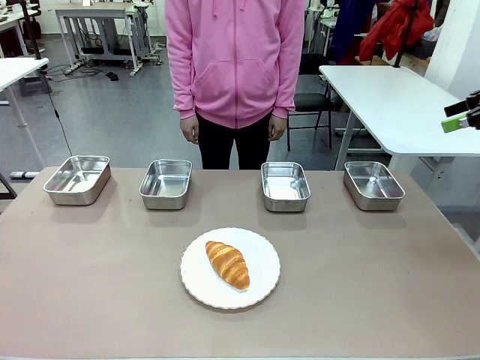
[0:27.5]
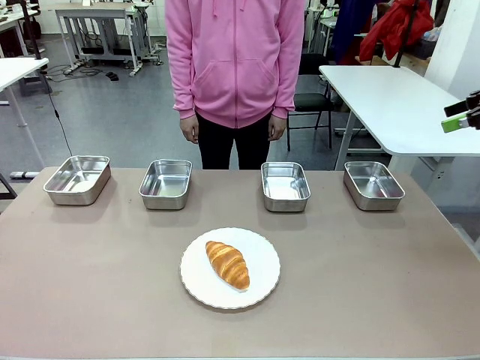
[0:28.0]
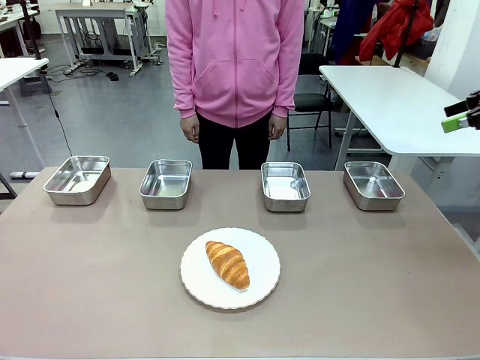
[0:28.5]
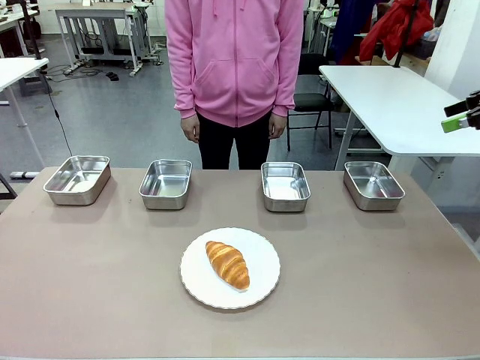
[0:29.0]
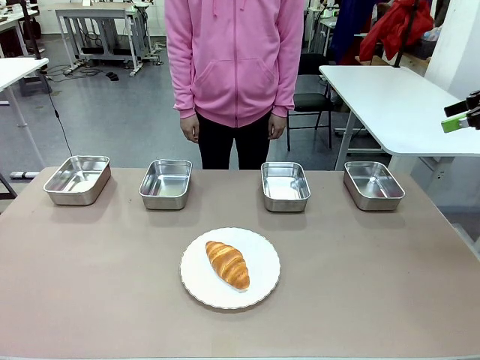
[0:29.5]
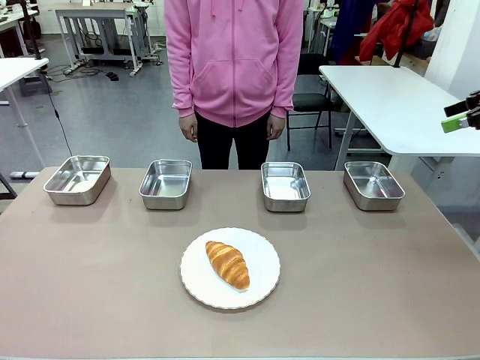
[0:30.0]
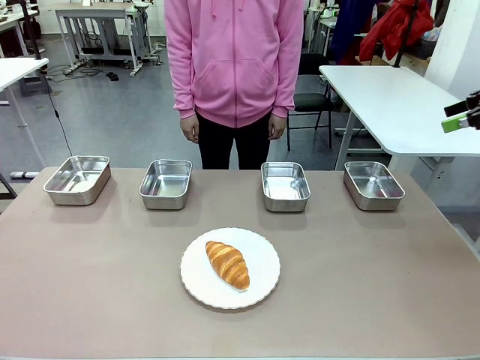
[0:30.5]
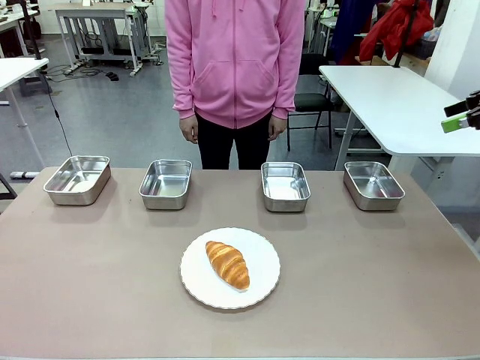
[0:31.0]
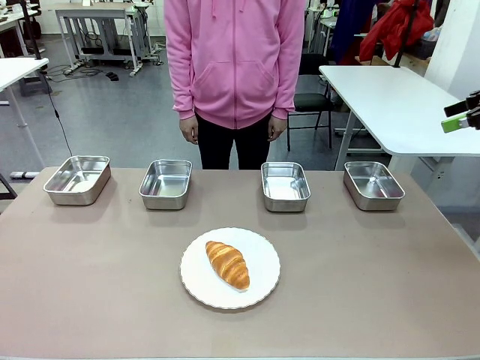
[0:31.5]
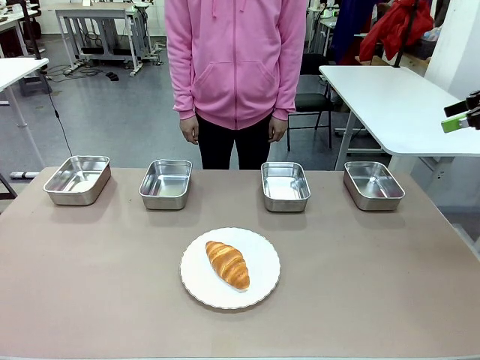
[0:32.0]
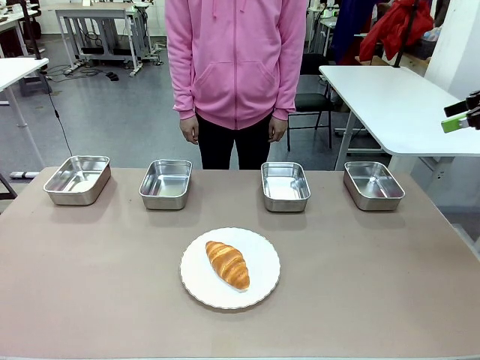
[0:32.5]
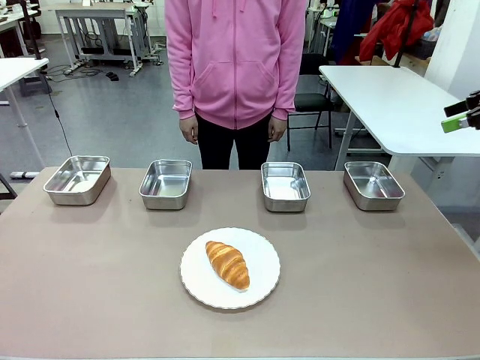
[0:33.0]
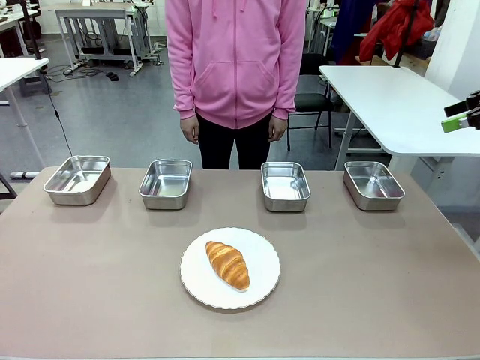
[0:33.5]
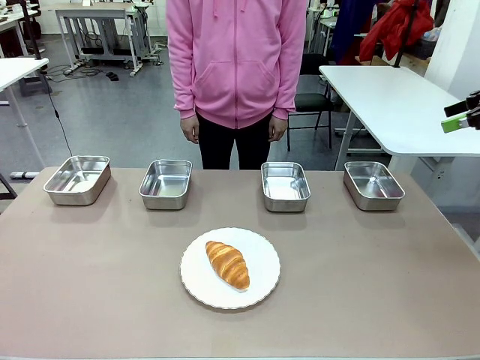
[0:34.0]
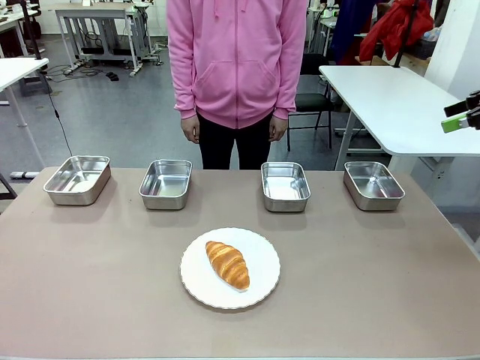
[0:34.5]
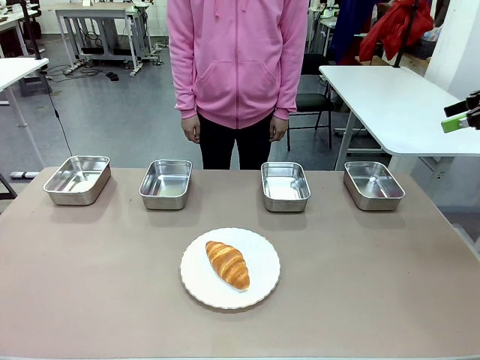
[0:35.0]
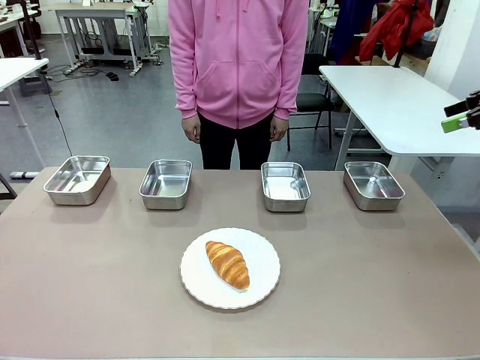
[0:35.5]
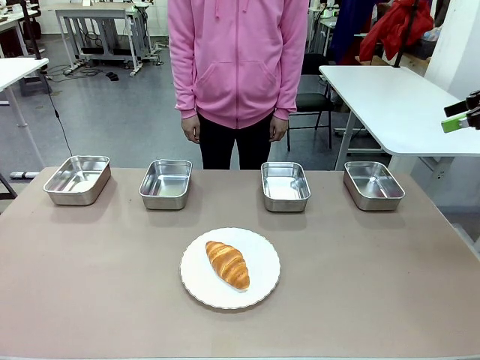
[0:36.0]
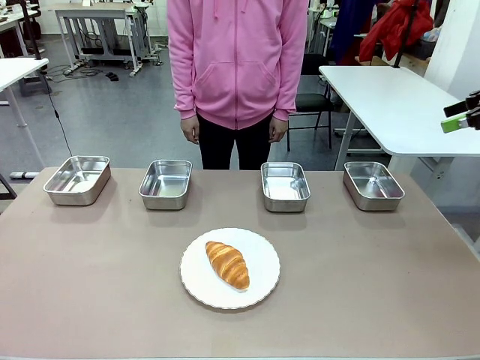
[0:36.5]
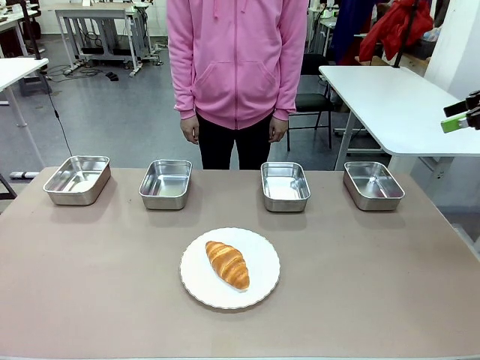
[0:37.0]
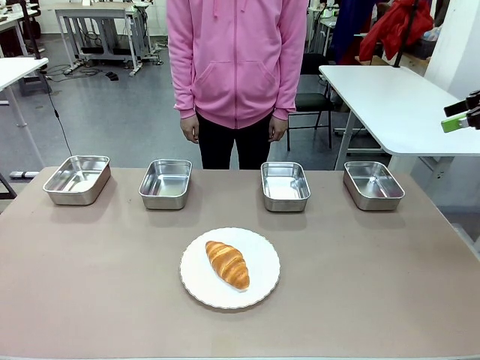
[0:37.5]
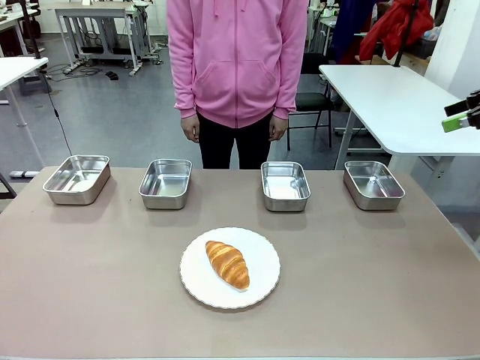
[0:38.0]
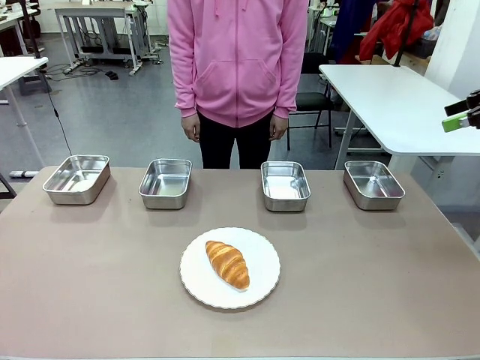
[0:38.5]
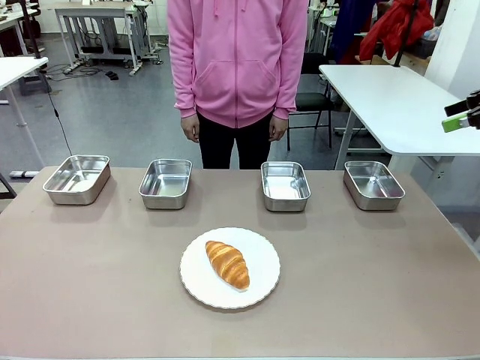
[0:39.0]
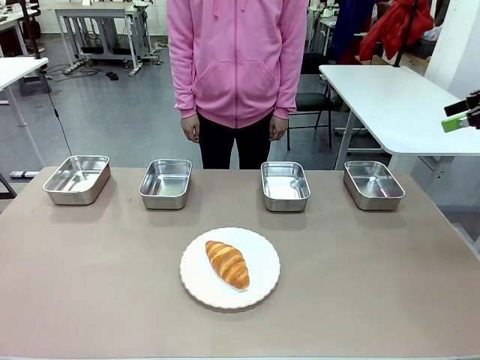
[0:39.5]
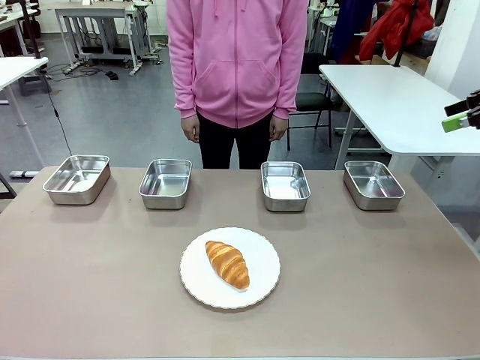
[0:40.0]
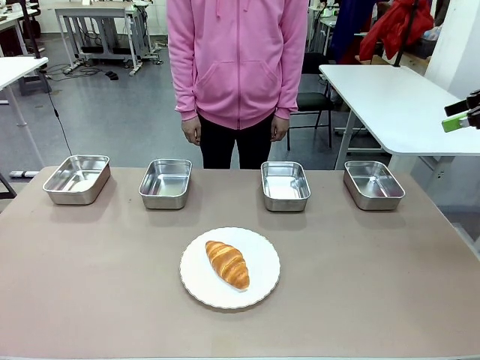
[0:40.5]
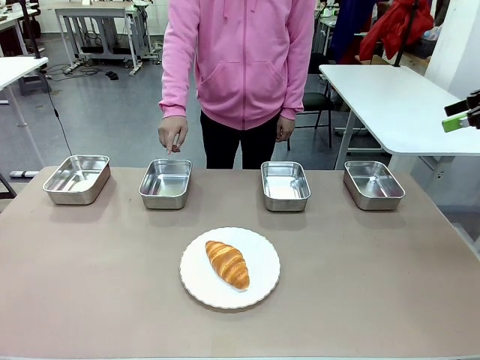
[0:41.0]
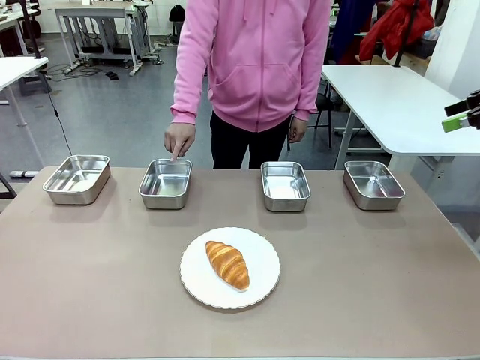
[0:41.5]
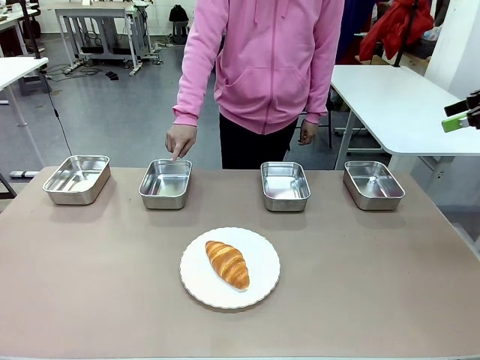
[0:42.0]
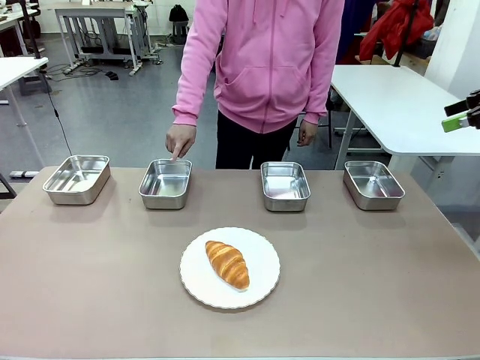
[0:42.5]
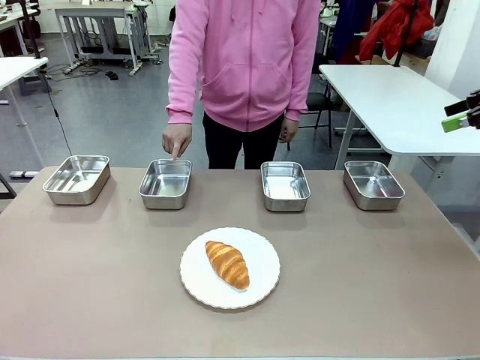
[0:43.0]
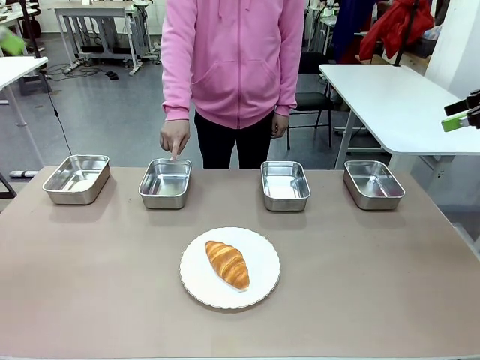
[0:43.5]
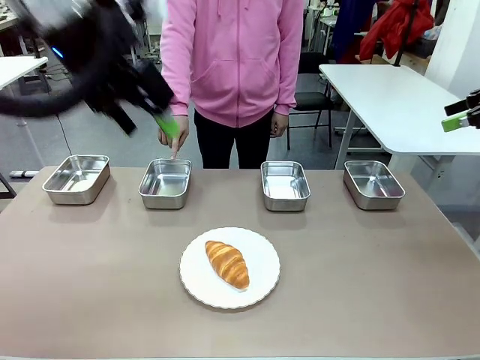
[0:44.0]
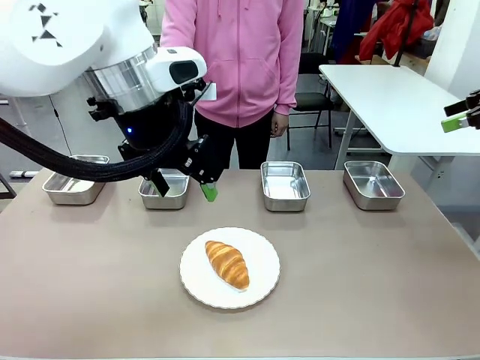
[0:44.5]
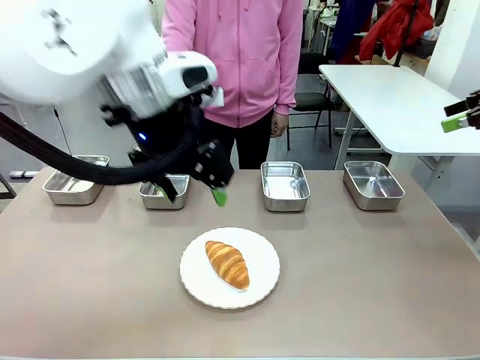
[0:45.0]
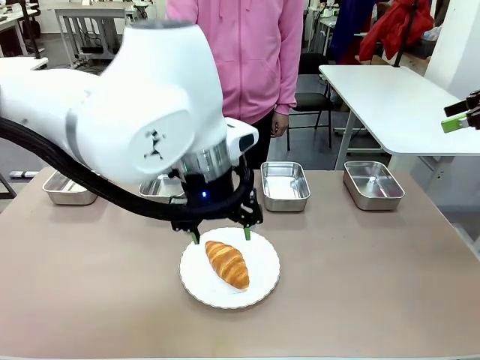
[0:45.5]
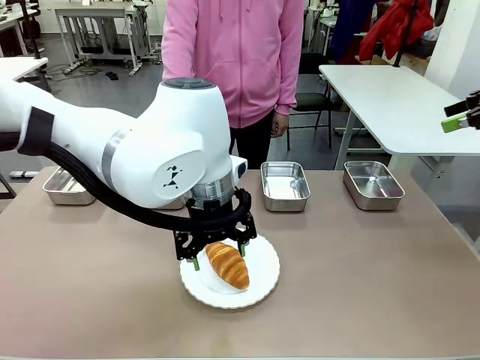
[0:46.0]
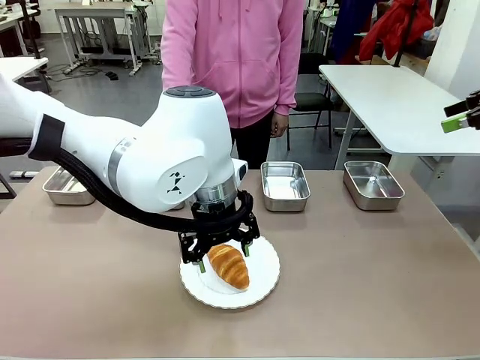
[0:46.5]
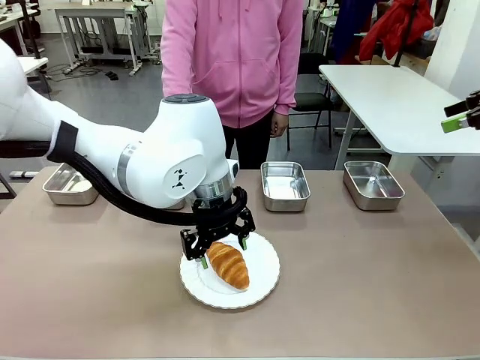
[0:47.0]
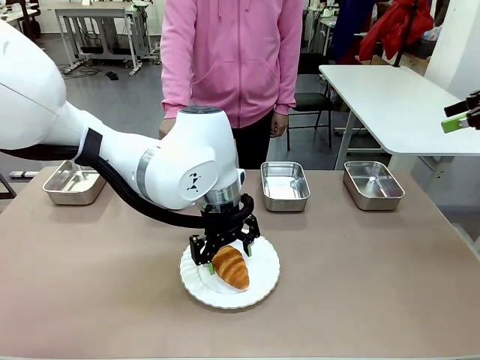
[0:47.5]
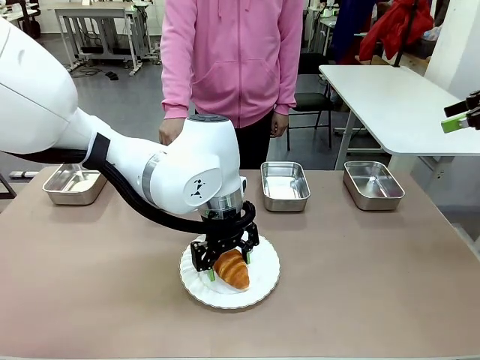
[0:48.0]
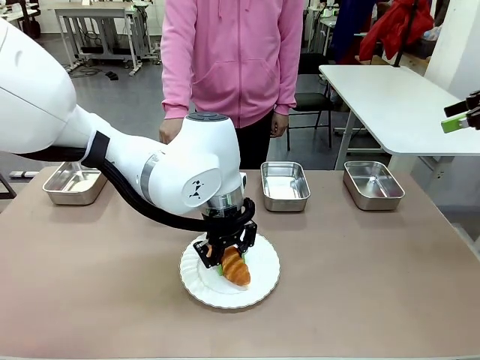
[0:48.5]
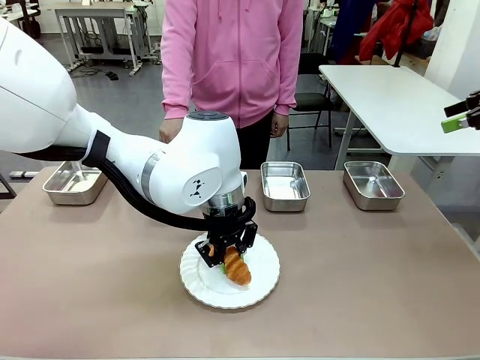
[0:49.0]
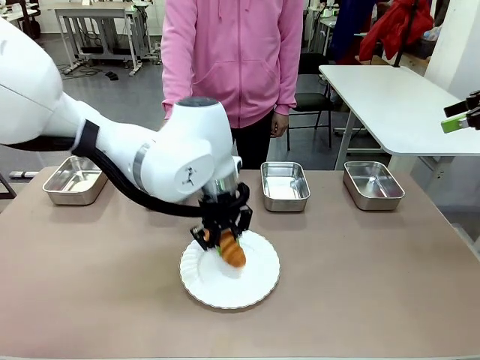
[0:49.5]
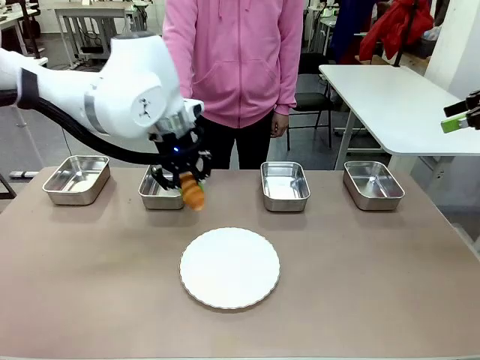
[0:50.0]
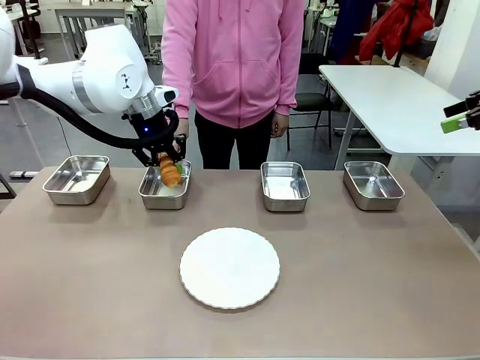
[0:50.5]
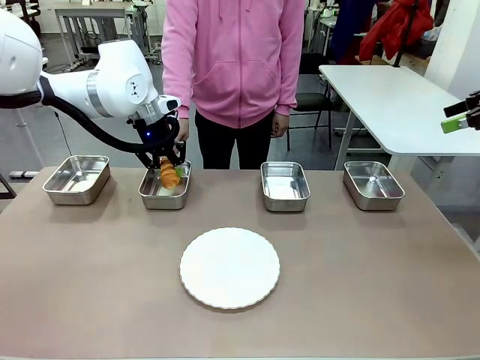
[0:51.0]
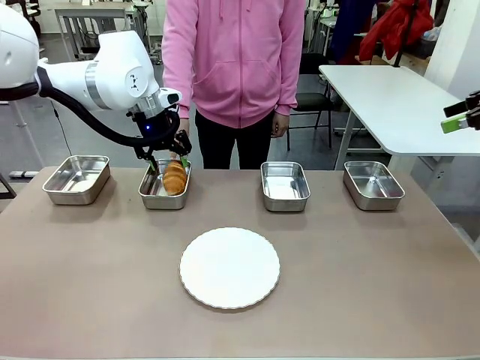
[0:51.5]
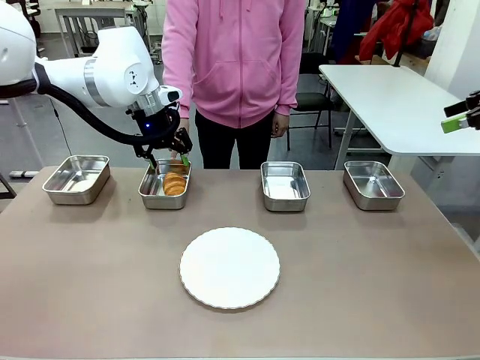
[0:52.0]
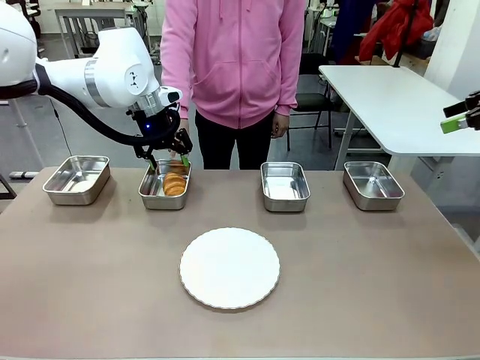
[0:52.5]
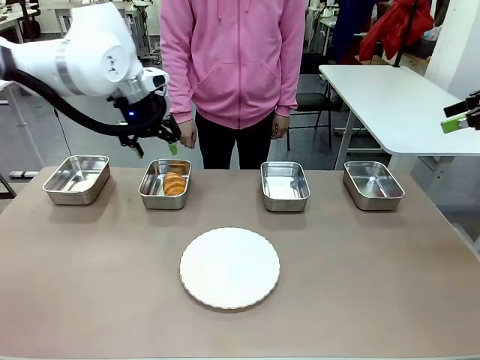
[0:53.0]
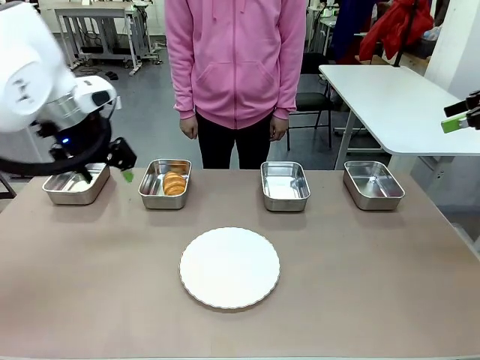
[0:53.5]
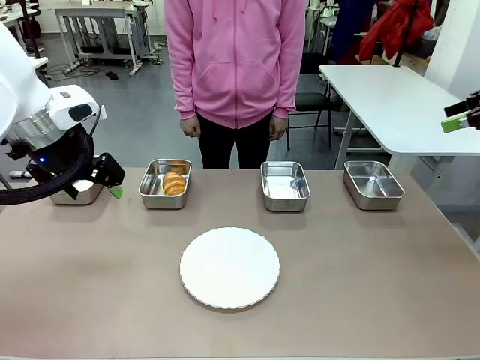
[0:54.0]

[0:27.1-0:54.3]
Task: Place the bread in the container.
Robot: Place the Butter Roll into the Airtight Container indicated by the human.
Person: A person randomly selects and points to an Airtight Container.
